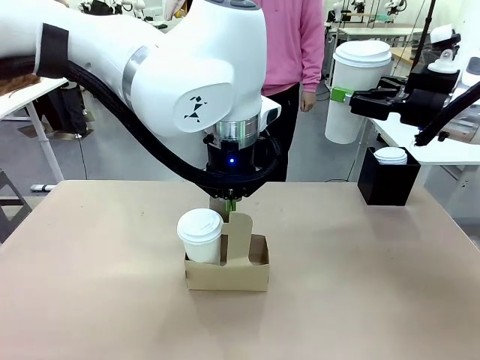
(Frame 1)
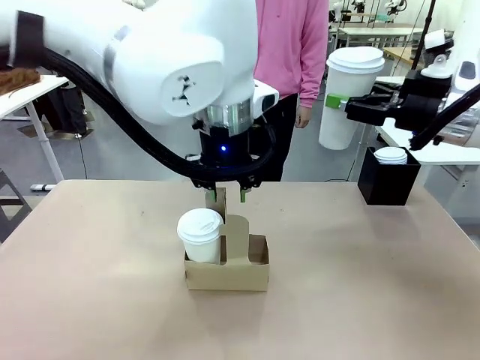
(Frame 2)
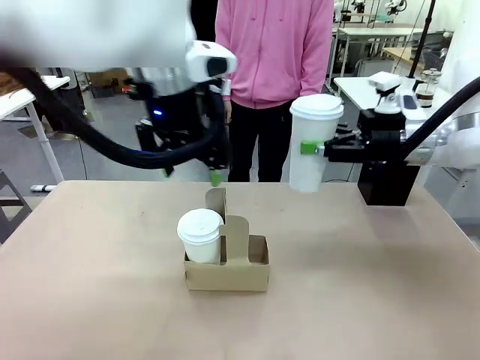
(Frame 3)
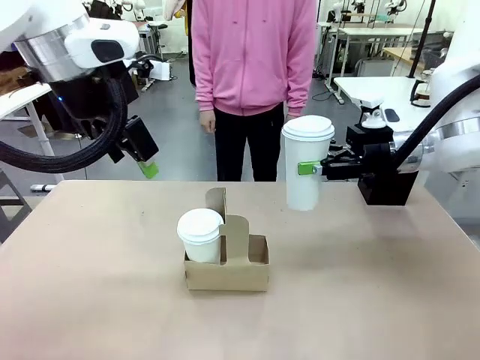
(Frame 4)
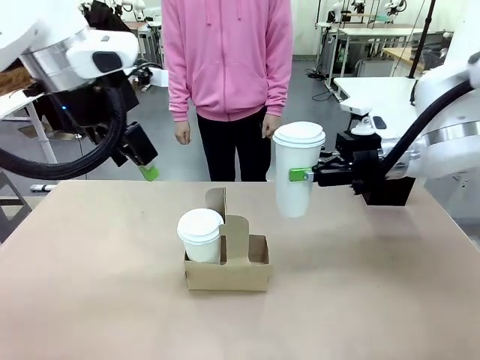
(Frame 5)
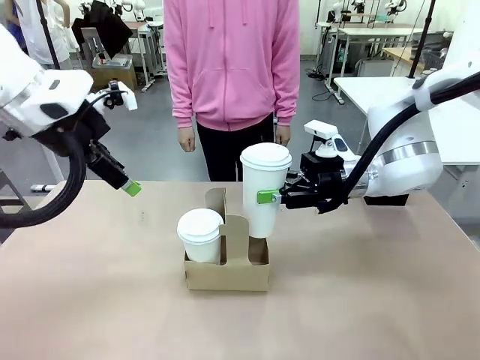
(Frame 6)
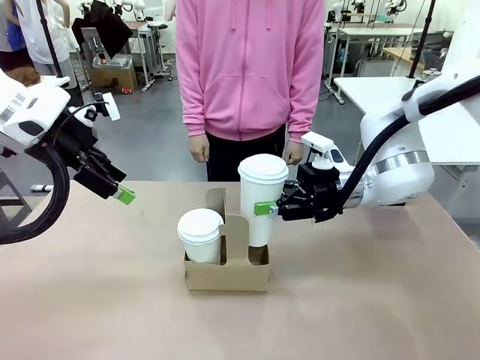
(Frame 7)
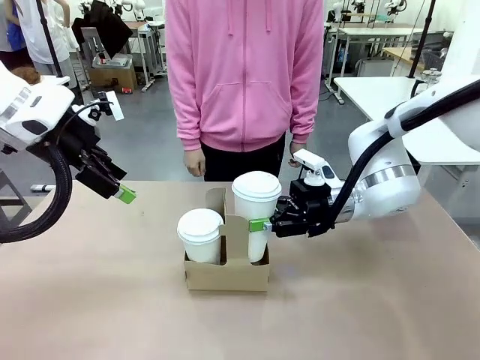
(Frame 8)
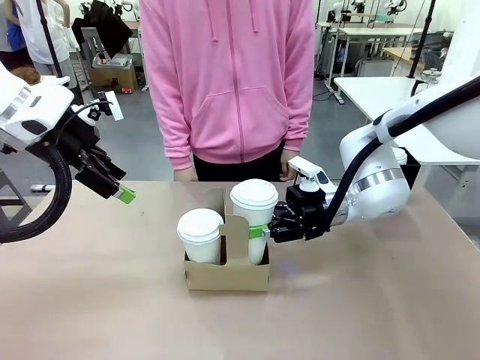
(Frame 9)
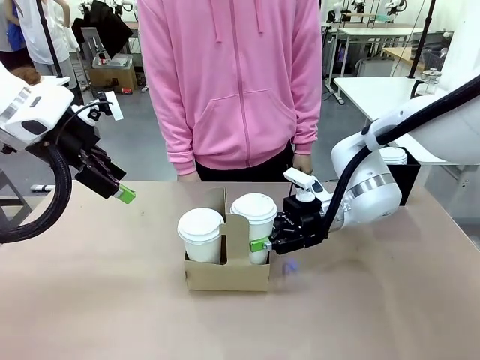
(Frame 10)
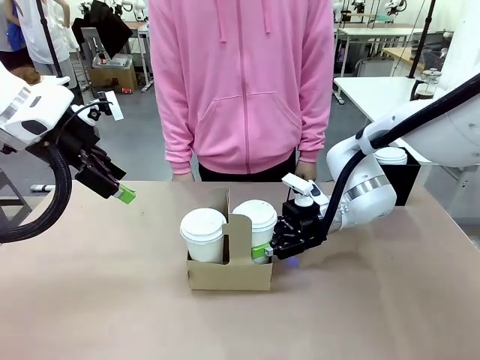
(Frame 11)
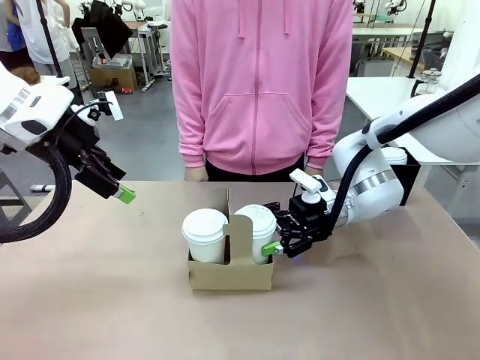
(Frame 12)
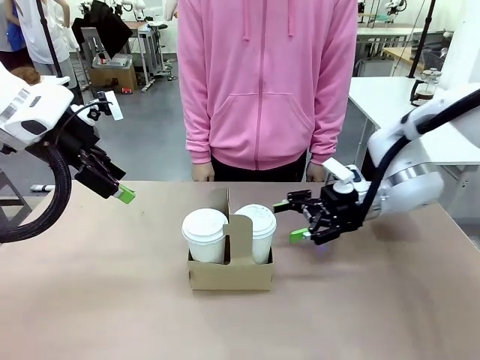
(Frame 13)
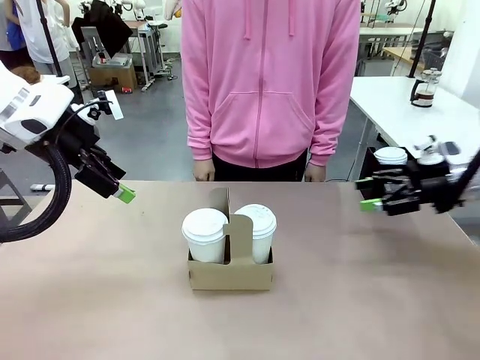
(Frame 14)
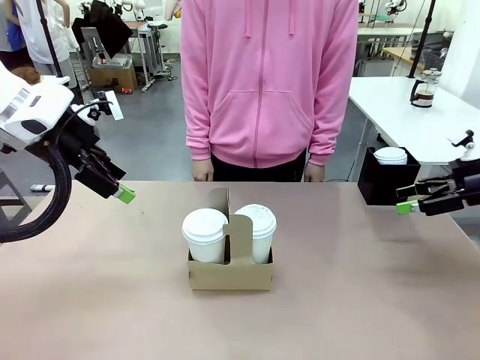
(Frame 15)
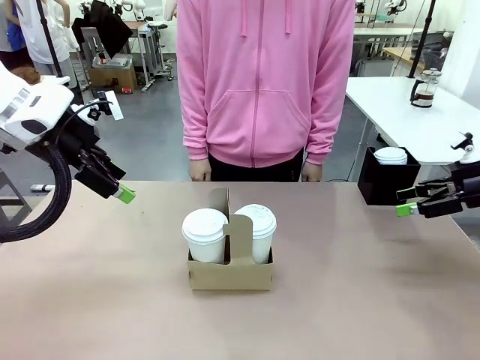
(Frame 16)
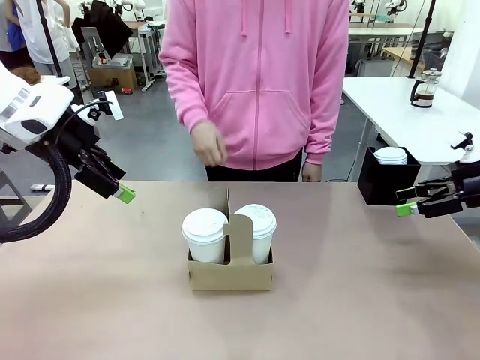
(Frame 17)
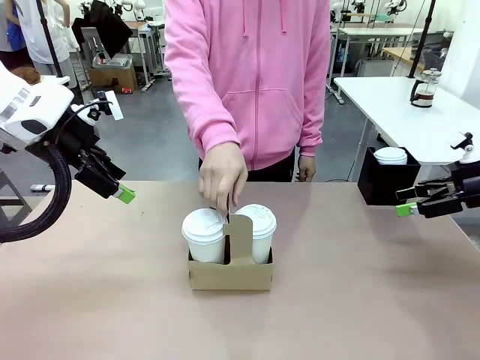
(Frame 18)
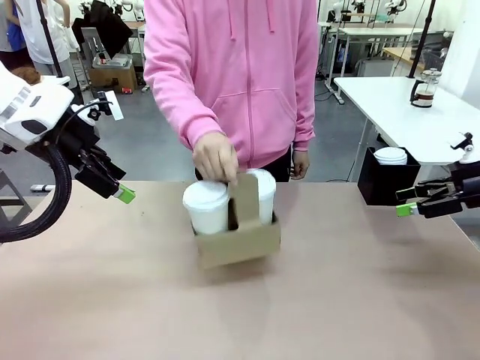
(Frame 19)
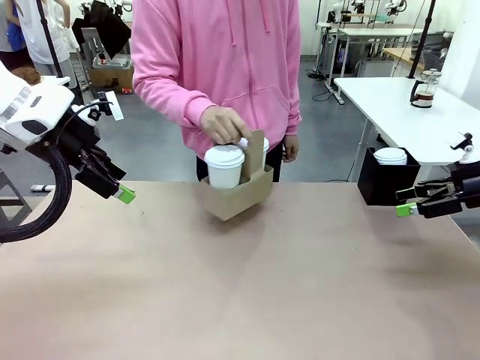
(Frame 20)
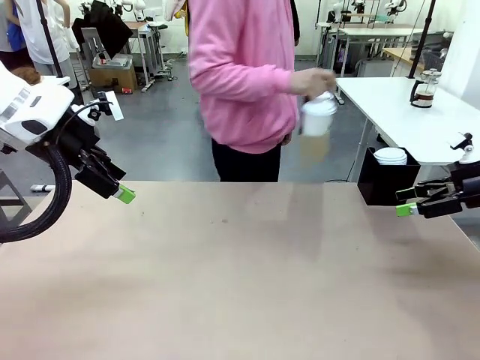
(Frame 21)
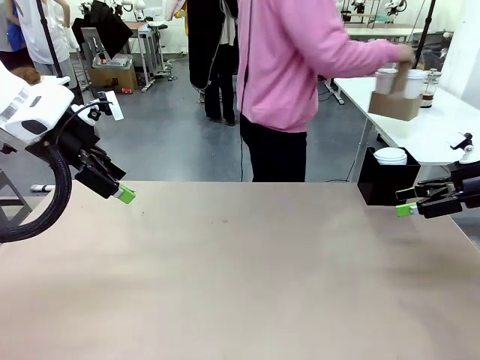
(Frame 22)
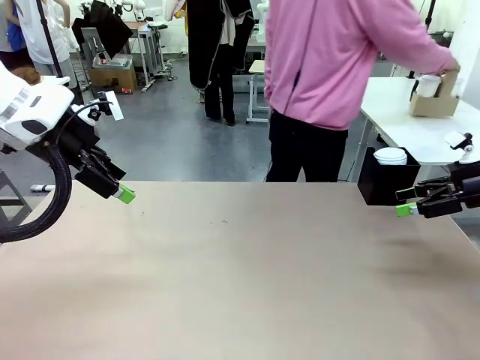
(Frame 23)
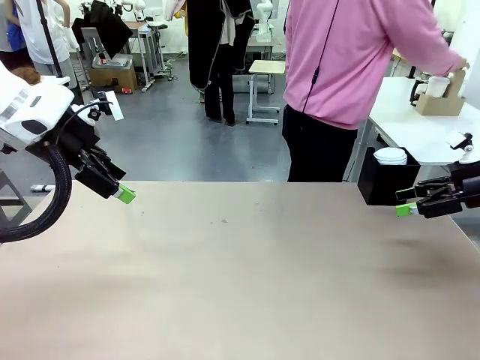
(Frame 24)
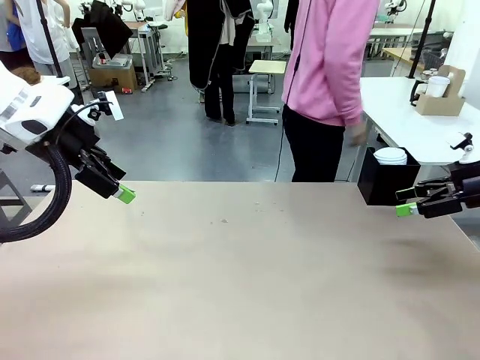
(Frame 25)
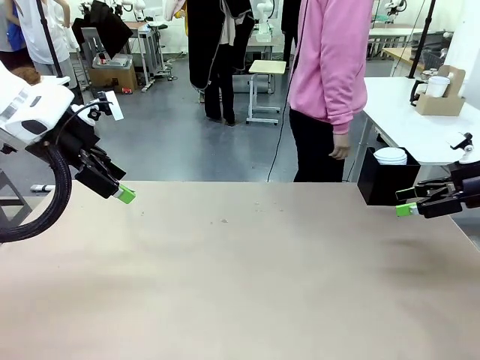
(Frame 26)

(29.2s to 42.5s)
Task: Pour a drink into a cup and package it in a carrier.
Robot: Insert the held 600 ml Paper Cup into the Cup Carrier.
Person: Place the Cup Carrier to the middle of Human table.

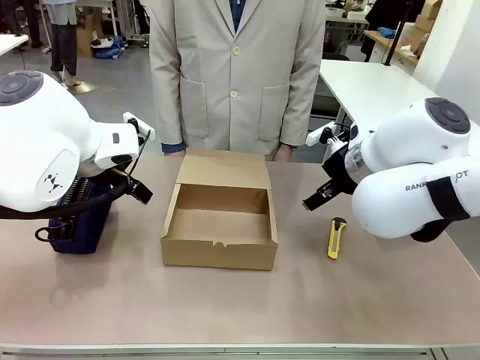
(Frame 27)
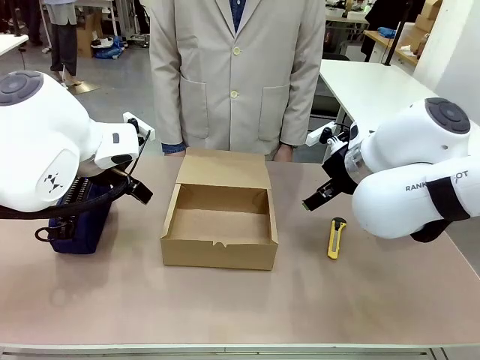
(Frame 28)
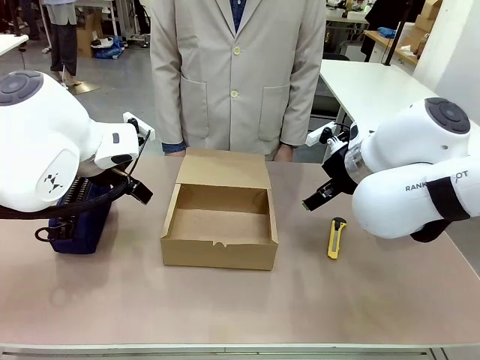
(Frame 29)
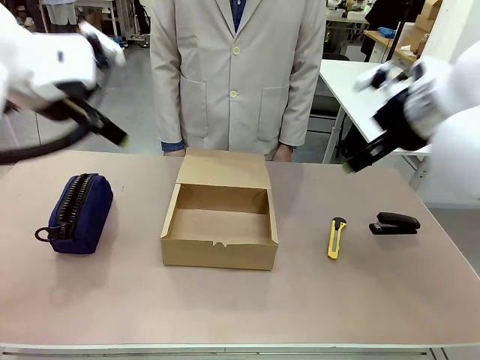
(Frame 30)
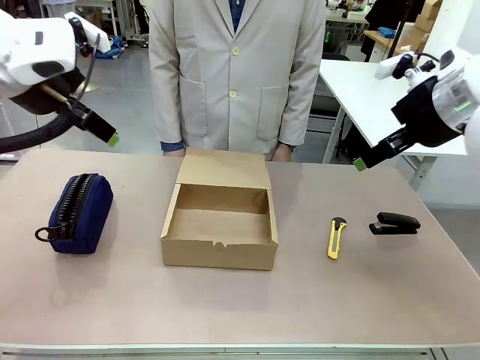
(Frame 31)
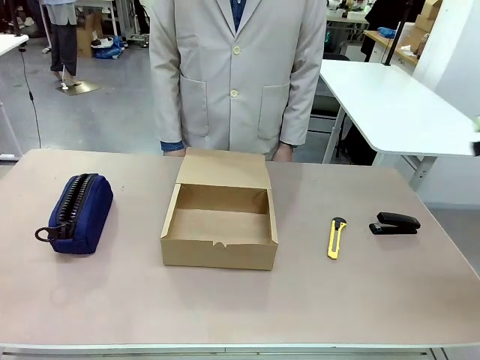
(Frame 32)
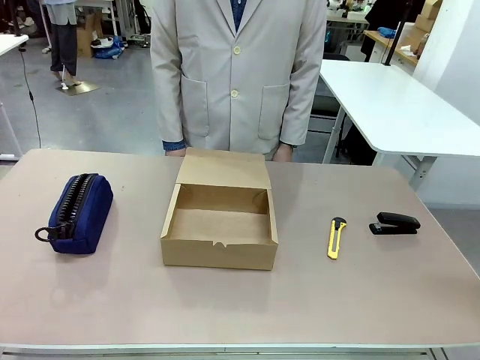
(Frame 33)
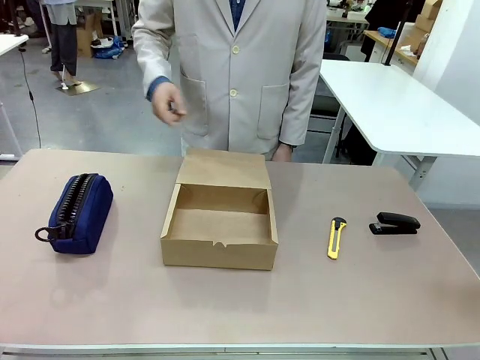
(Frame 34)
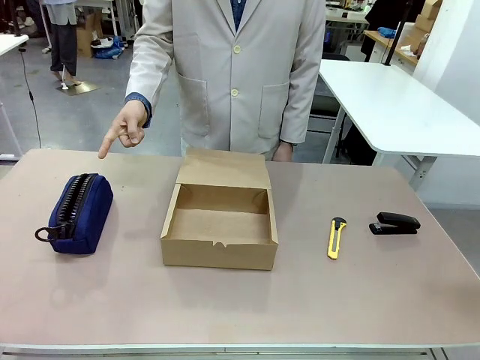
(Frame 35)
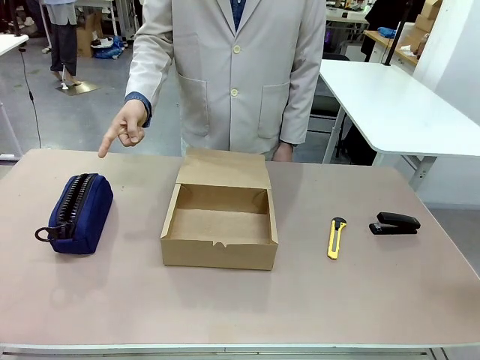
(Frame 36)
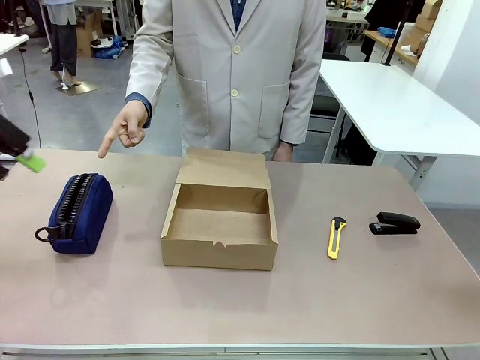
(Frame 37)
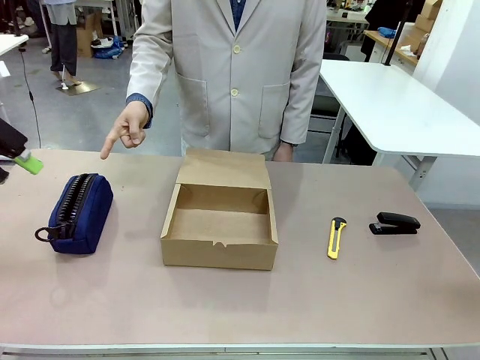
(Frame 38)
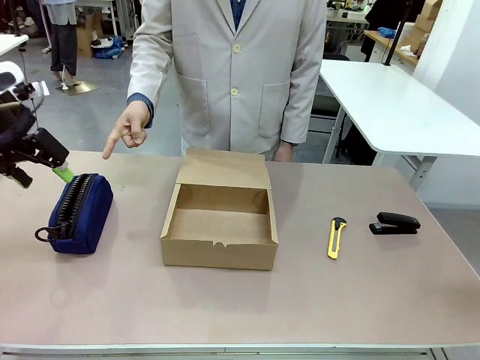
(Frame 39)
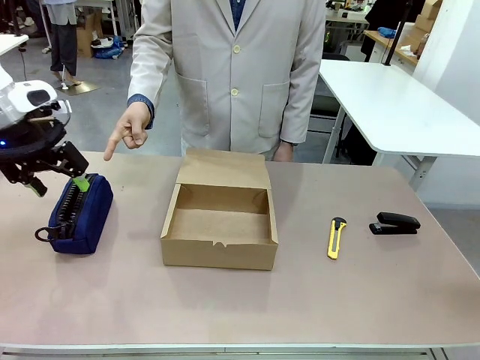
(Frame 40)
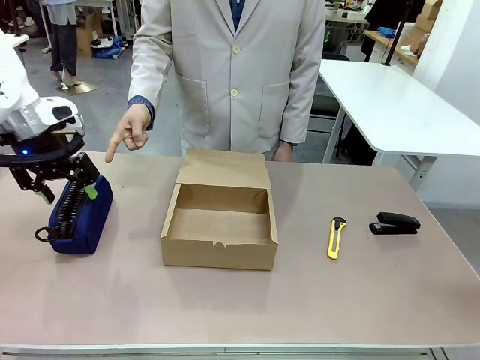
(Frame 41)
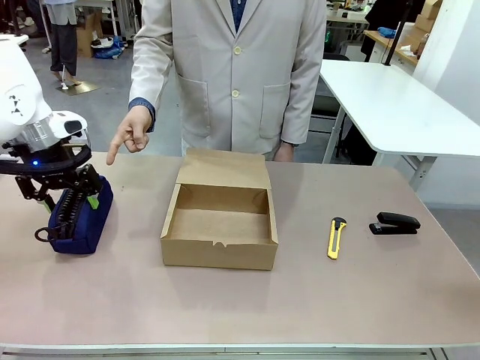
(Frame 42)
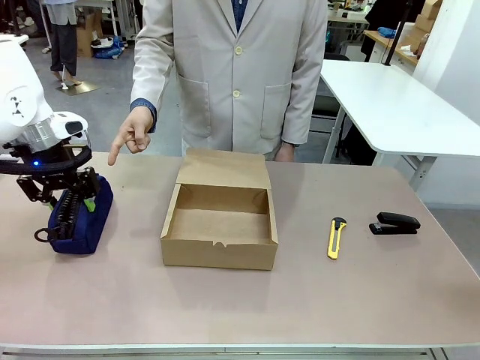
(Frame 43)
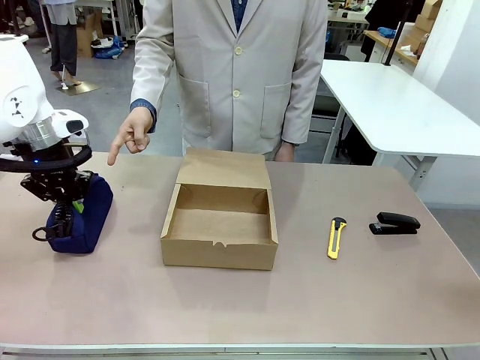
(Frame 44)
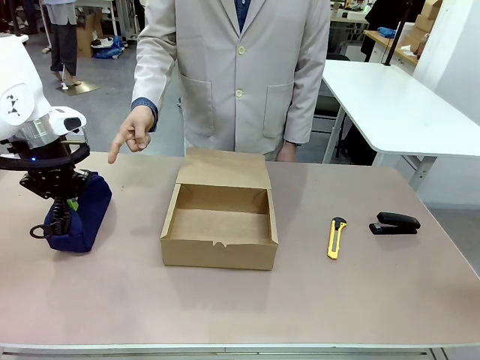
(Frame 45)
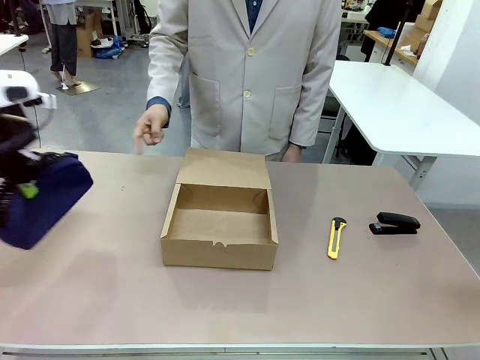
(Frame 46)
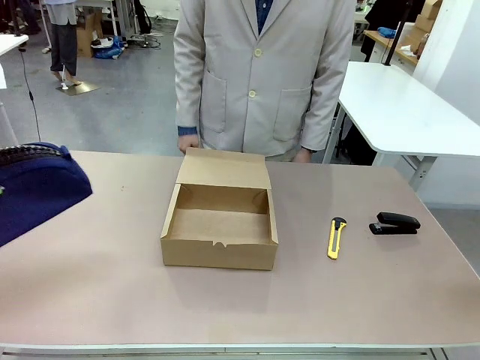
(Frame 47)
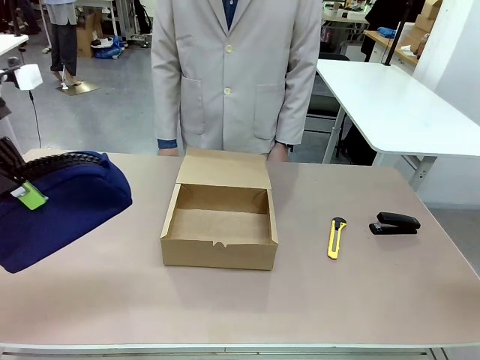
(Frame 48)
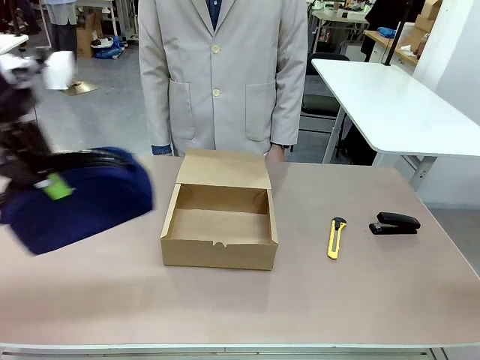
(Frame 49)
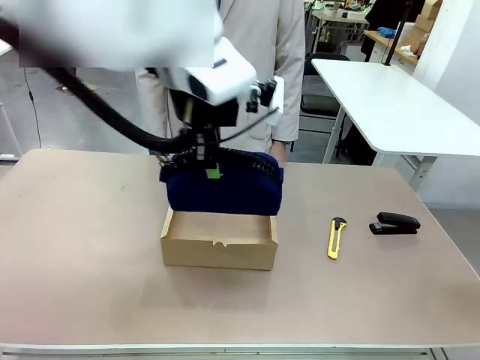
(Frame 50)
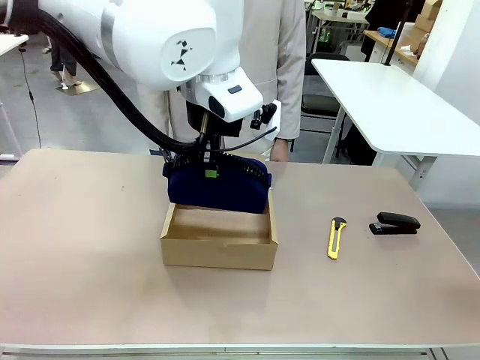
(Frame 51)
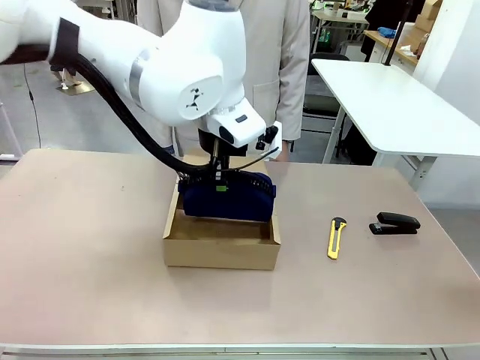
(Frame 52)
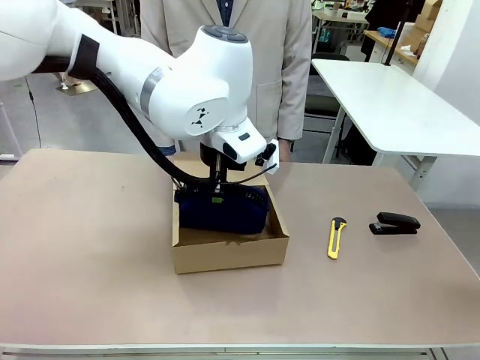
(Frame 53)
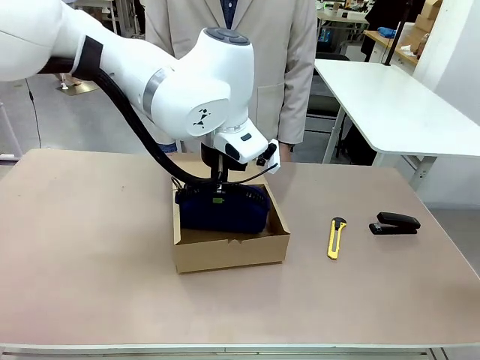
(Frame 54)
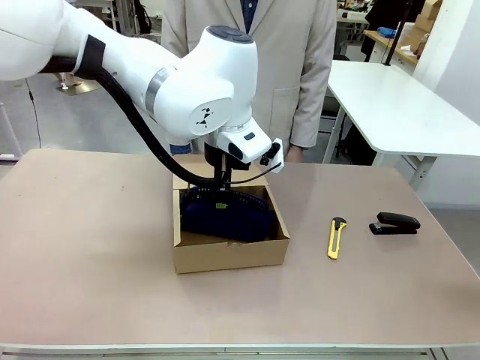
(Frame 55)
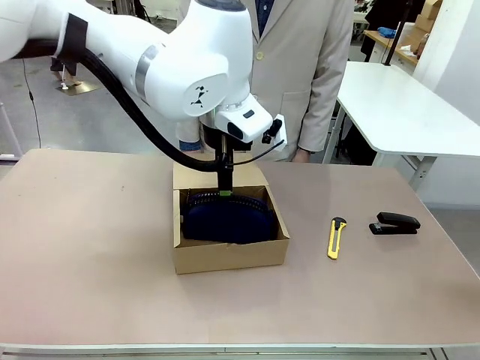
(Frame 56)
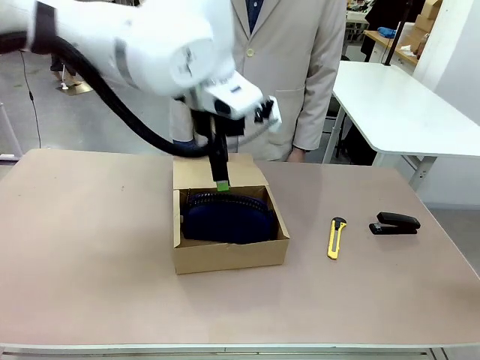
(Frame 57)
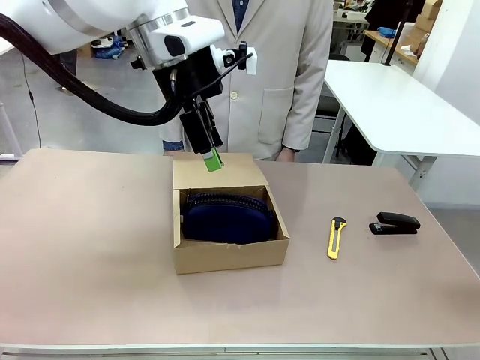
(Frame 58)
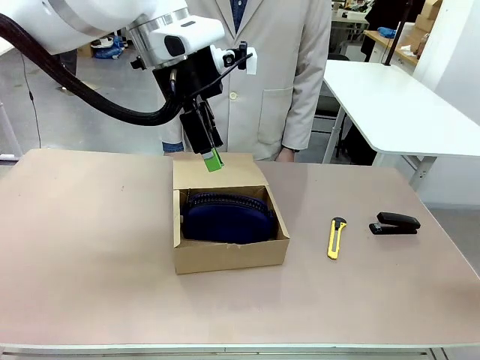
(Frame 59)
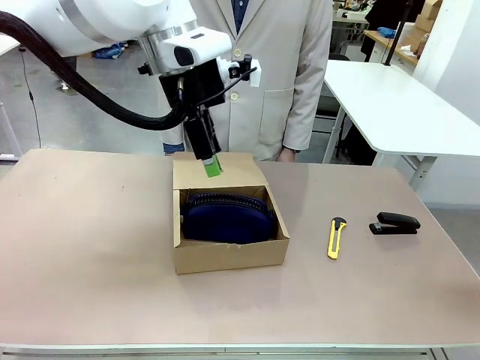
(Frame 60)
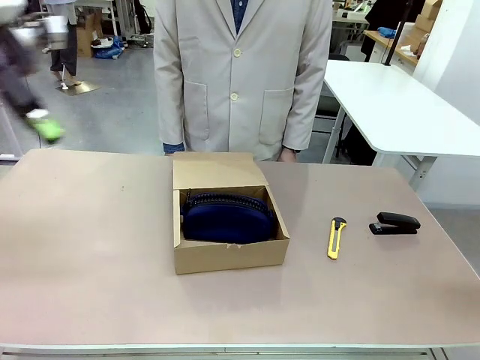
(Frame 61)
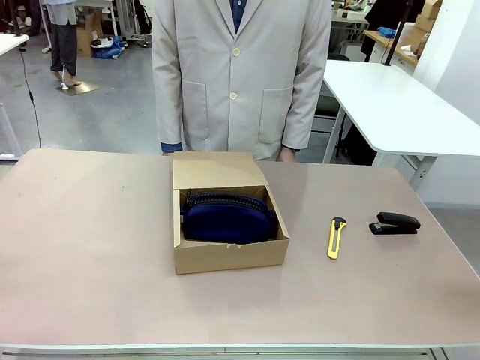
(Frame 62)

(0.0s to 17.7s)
Task: Pack the item into the box.
Robot: Pick up the item indicated by the person and place it inside the Mailer Box.
Person: Point at one item on the table (excluding the box).
